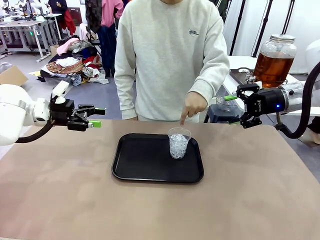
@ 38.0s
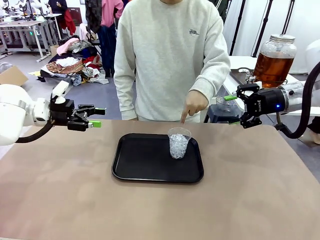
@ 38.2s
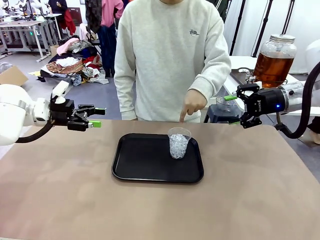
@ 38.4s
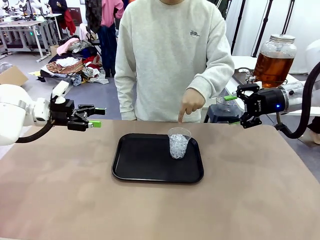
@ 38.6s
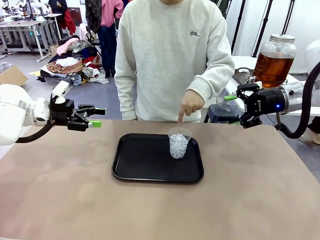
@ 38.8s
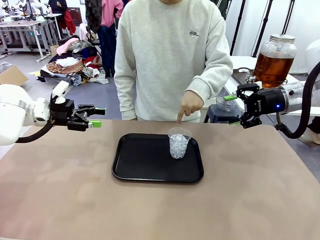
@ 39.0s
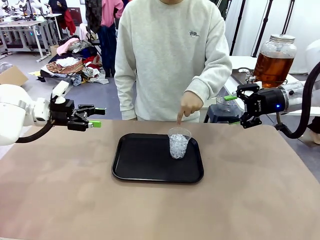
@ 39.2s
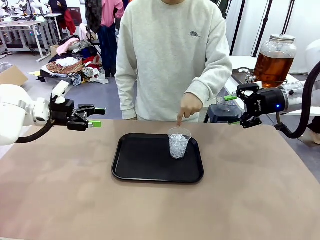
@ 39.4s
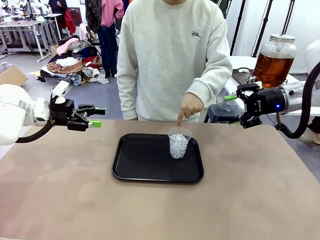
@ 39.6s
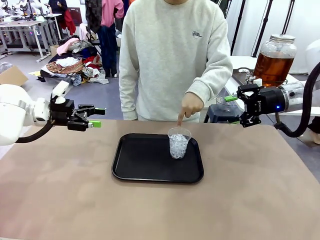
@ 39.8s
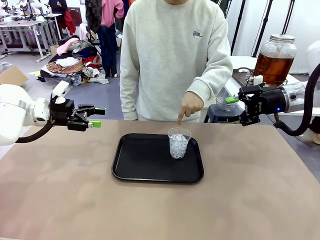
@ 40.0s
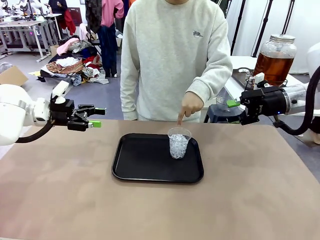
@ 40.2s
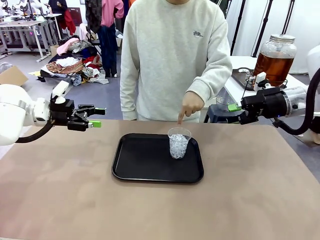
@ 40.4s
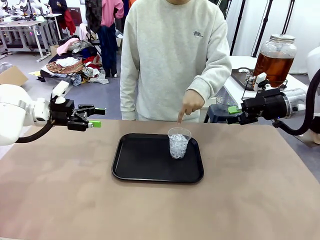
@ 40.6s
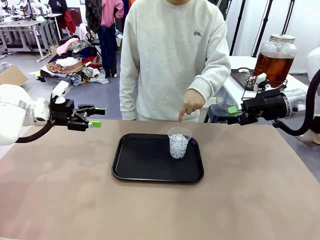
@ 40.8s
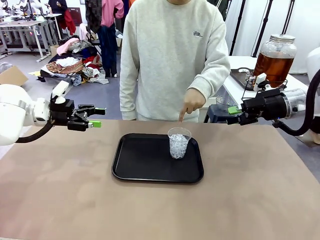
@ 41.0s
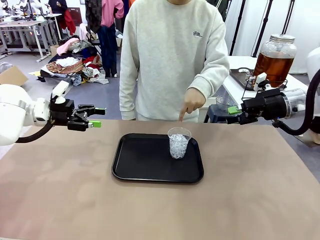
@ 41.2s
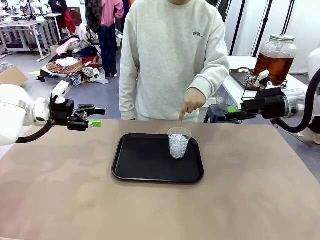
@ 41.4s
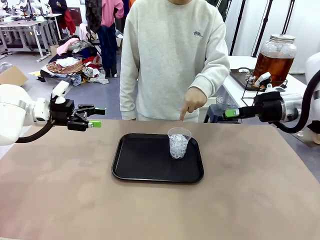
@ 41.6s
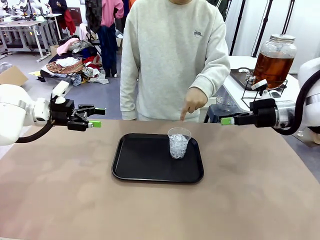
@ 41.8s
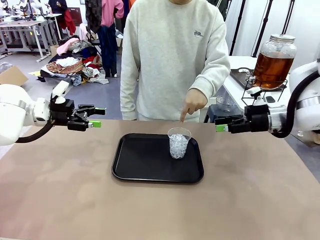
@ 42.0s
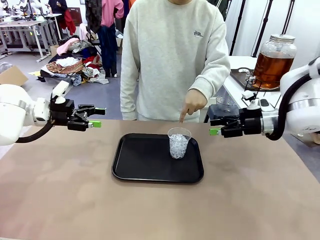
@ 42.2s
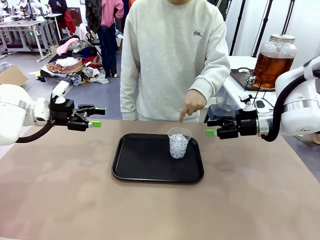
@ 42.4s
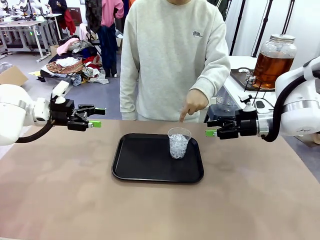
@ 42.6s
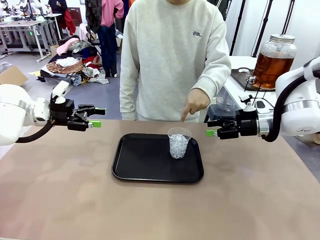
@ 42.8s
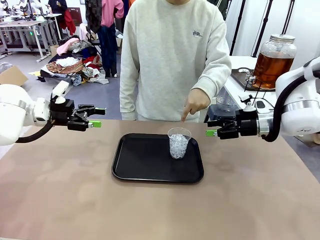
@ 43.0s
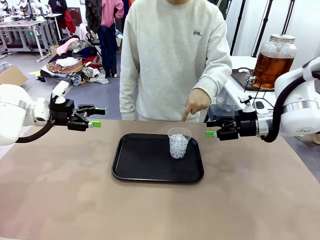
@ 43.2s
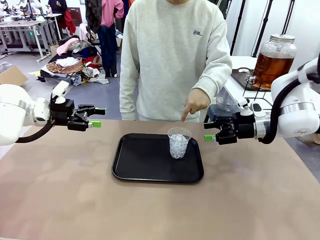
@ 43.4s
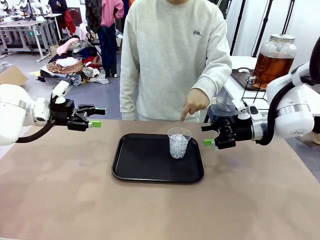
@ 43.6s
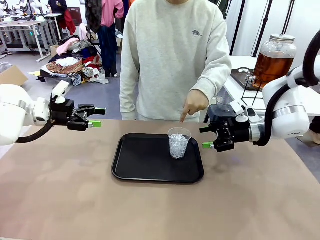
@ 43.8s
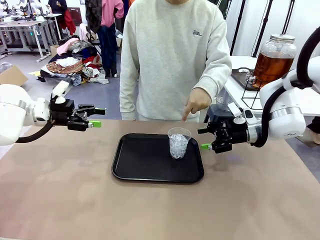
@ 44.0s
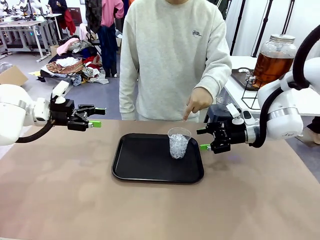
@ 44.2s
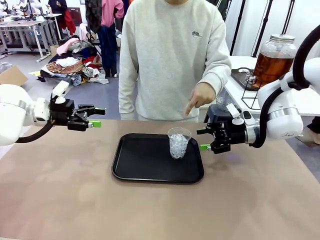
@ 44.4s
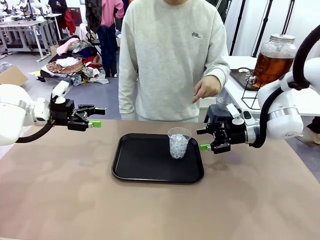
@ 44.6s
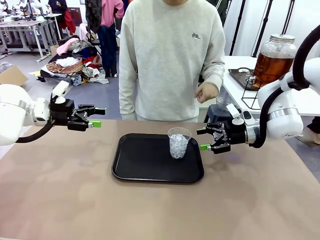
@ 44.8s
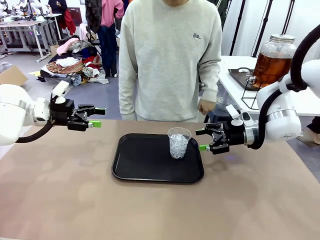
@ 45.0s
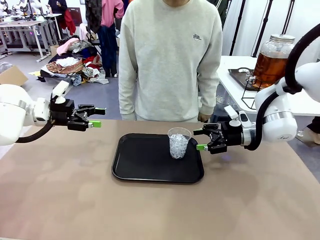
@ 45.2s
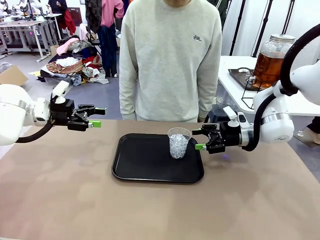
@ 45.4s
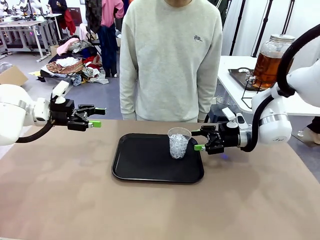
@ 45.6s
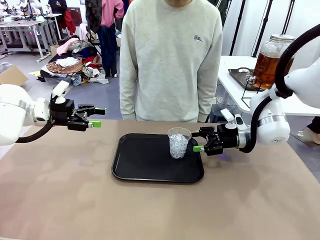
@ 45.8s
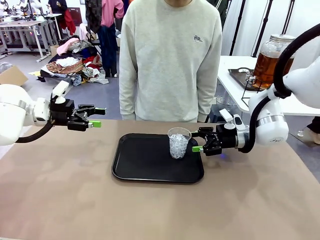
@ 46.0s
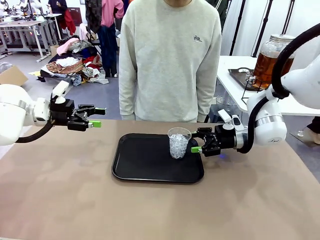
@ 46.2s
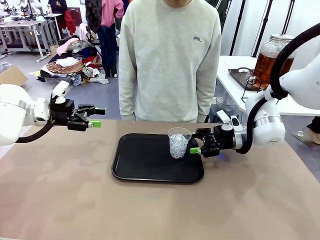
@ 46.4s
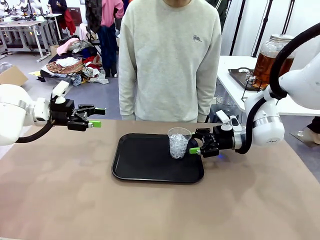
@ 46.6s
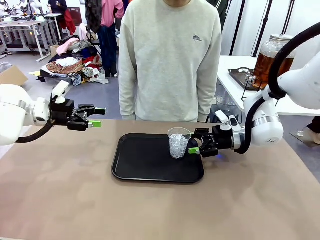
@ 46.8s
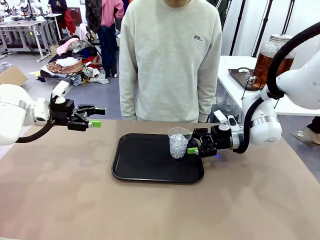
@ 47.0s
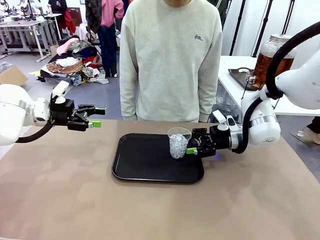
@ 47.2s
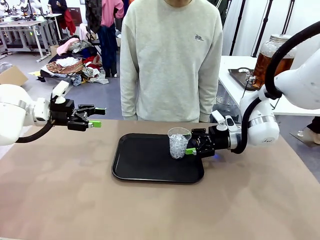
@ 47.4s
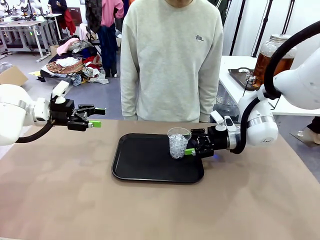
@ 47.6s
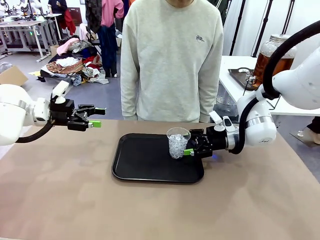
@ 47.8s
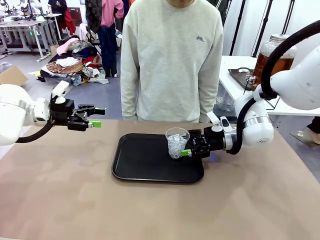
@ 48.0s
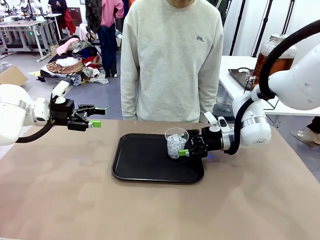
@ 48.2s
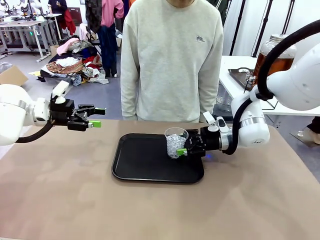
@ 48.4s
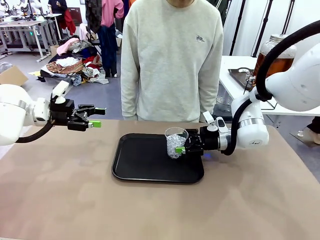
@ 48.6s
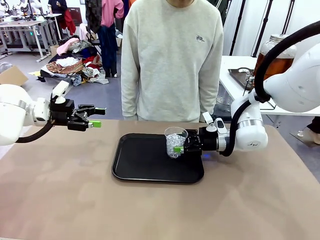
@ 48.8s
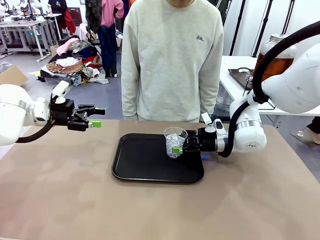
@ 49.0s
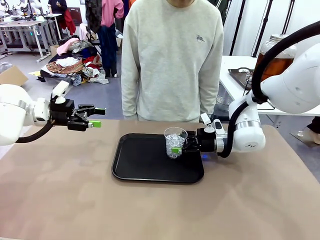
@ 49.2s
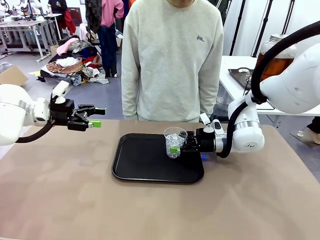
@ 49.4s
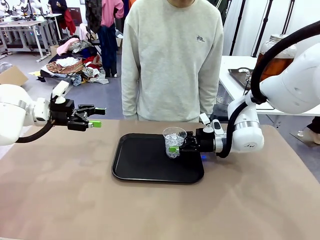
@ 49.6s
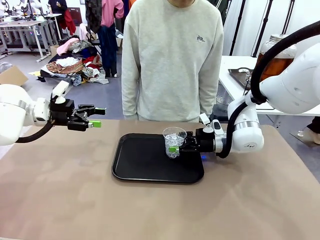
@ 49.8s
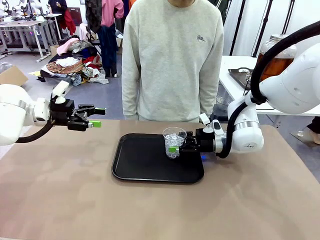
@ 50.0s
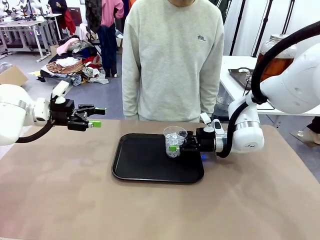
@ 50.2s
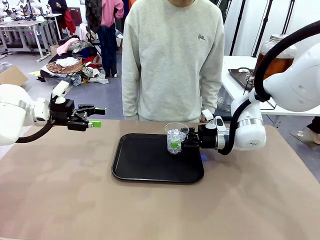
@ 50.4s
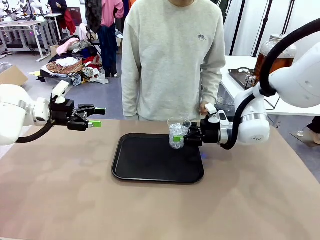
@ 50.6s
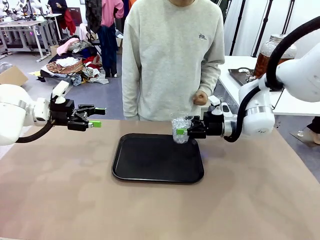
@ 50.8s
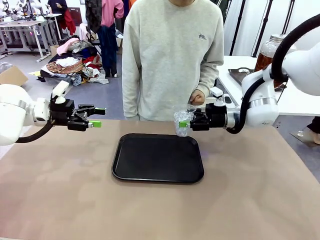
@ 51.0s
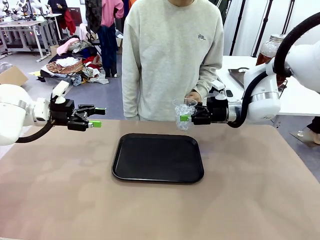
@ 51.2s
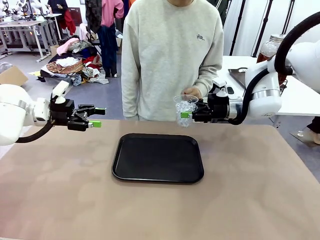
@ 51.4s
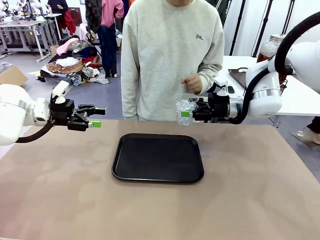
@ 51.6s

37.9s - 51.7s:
Task: Pour the drink into the iced cup.
Robot: Pick up the iced cup indicated by the human and present it to them.
Person: Pick up the cup offered by the robot.
